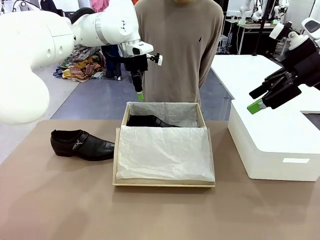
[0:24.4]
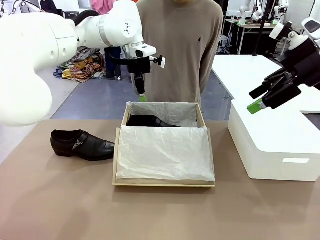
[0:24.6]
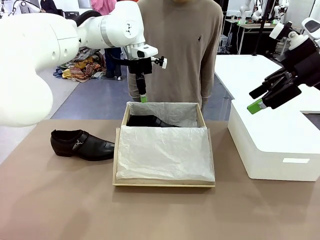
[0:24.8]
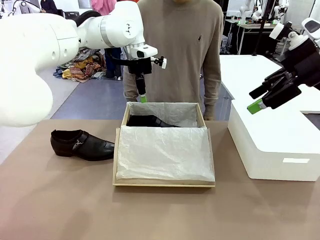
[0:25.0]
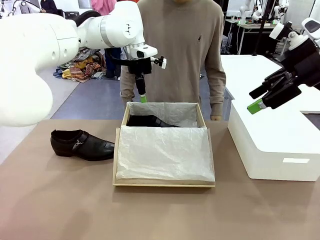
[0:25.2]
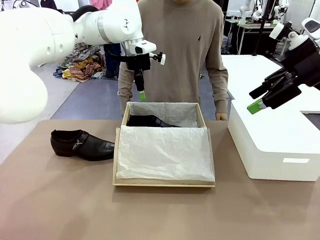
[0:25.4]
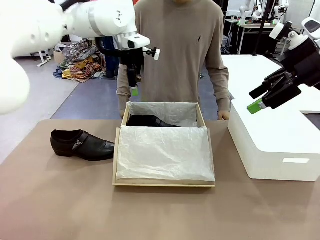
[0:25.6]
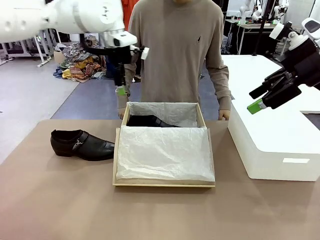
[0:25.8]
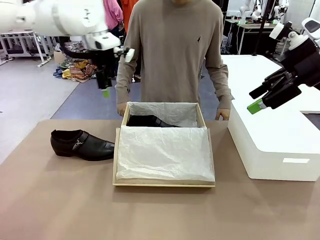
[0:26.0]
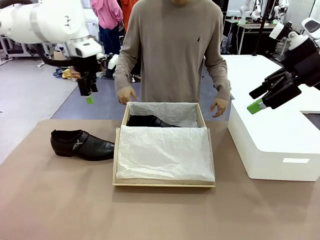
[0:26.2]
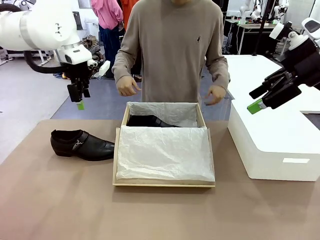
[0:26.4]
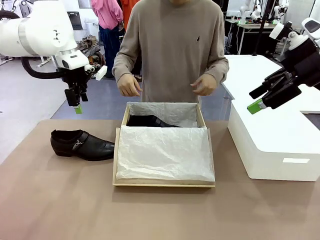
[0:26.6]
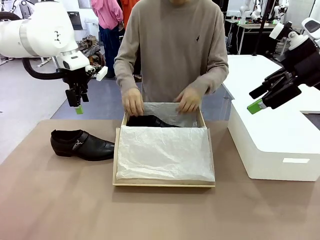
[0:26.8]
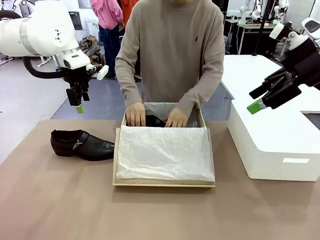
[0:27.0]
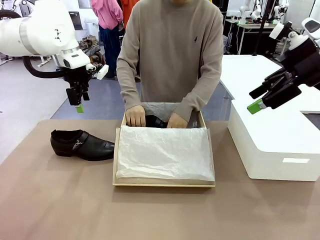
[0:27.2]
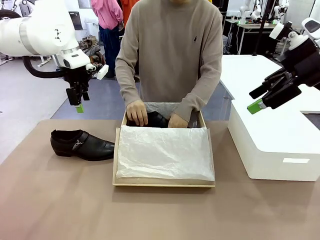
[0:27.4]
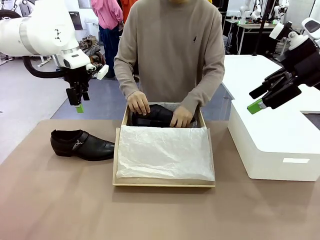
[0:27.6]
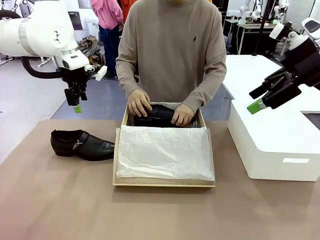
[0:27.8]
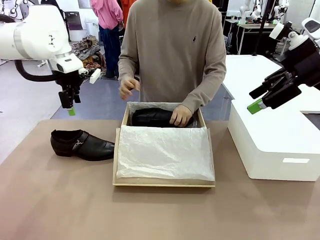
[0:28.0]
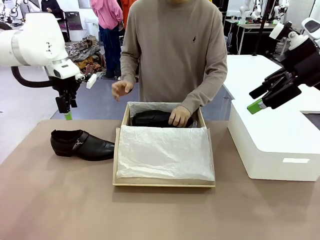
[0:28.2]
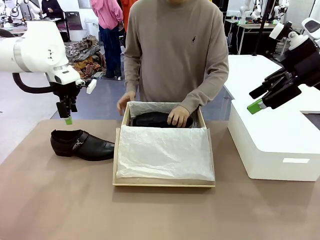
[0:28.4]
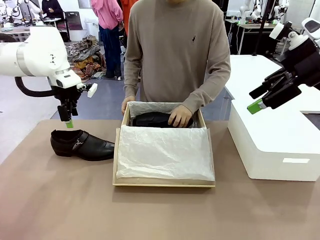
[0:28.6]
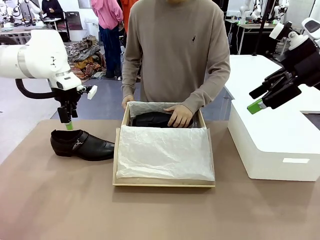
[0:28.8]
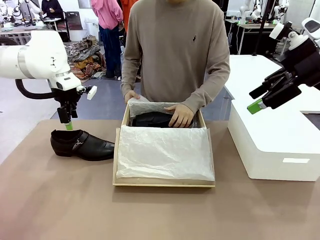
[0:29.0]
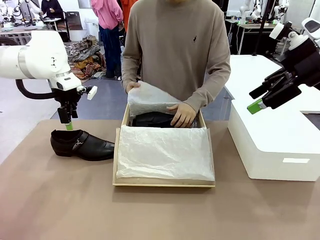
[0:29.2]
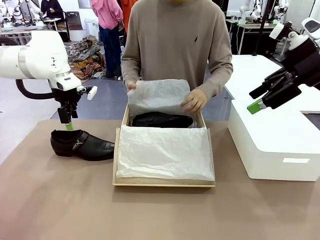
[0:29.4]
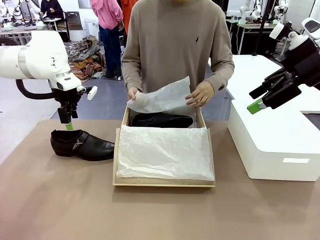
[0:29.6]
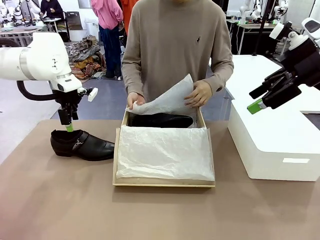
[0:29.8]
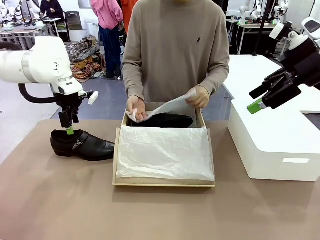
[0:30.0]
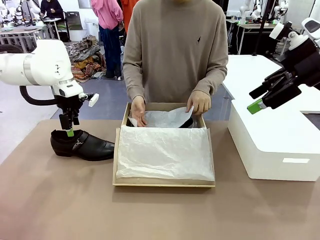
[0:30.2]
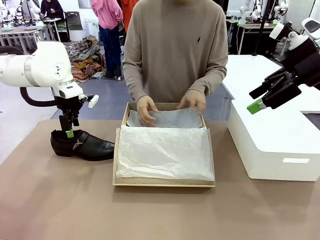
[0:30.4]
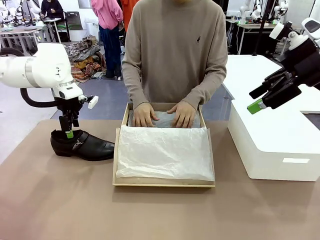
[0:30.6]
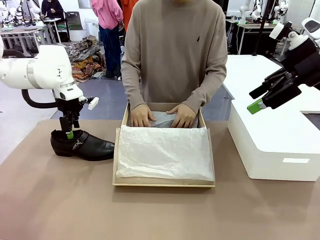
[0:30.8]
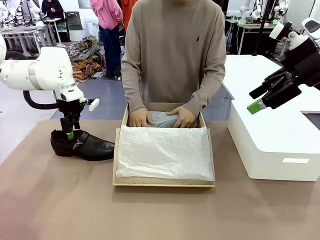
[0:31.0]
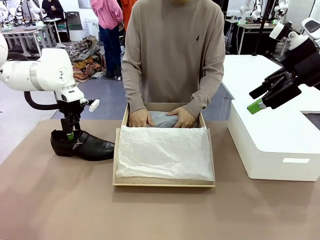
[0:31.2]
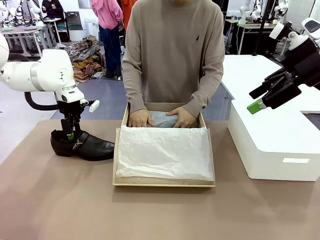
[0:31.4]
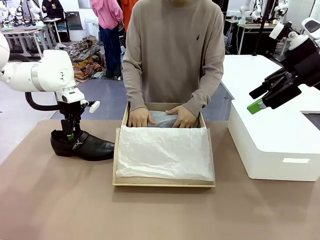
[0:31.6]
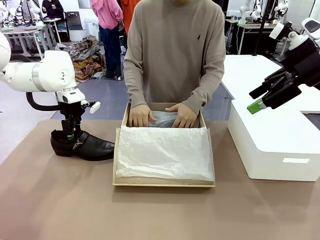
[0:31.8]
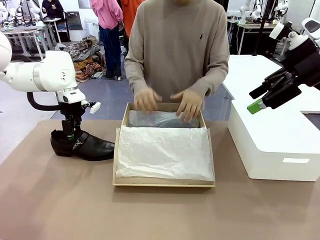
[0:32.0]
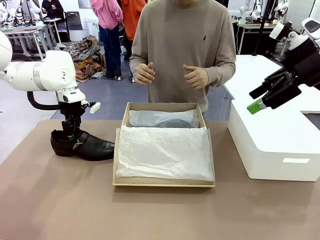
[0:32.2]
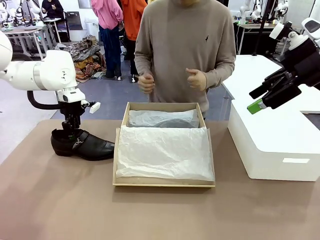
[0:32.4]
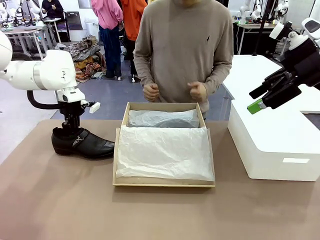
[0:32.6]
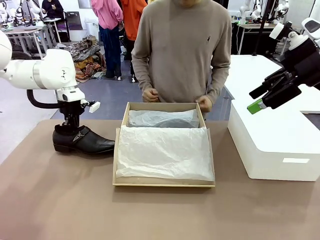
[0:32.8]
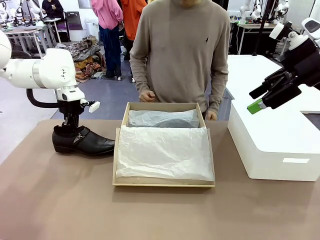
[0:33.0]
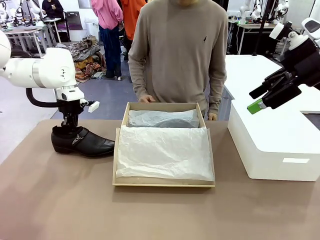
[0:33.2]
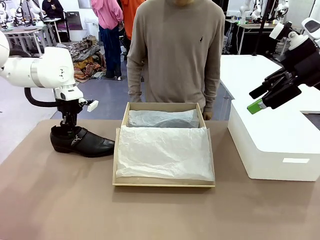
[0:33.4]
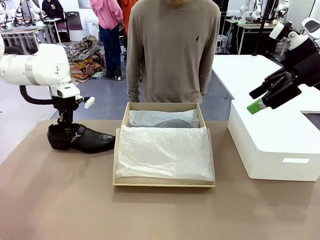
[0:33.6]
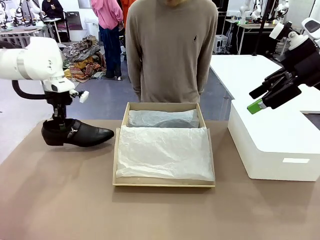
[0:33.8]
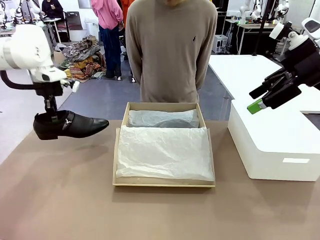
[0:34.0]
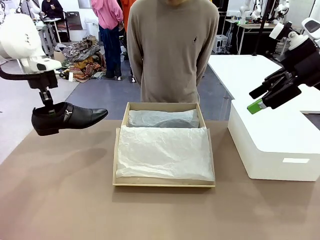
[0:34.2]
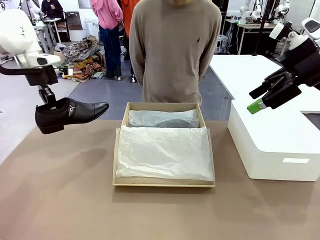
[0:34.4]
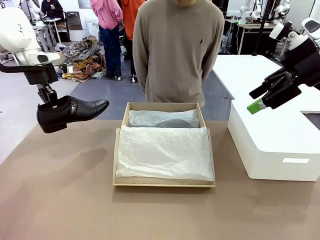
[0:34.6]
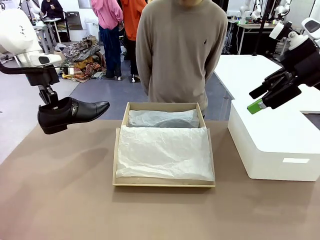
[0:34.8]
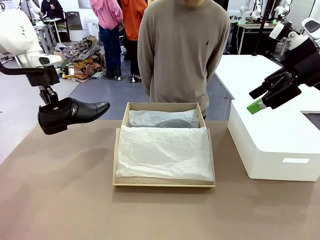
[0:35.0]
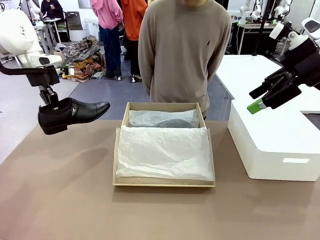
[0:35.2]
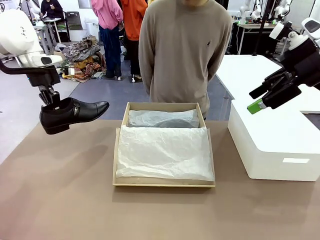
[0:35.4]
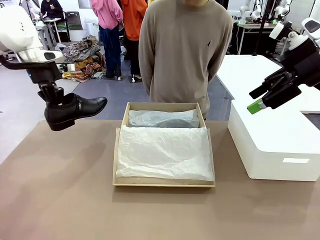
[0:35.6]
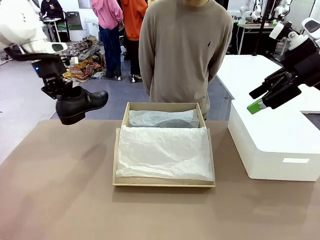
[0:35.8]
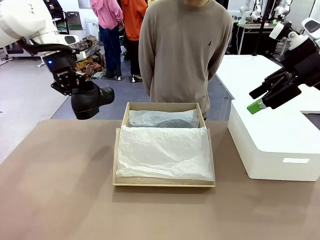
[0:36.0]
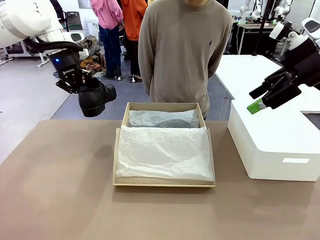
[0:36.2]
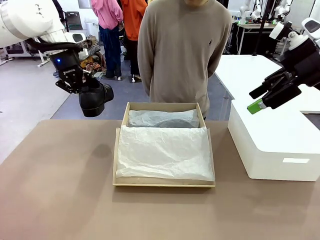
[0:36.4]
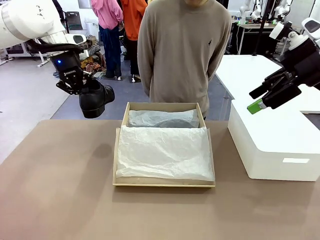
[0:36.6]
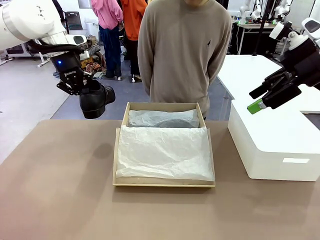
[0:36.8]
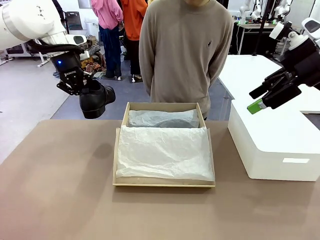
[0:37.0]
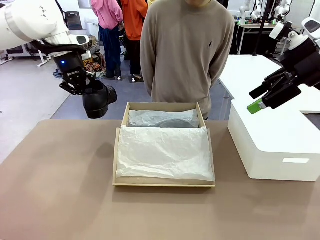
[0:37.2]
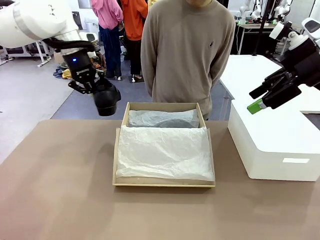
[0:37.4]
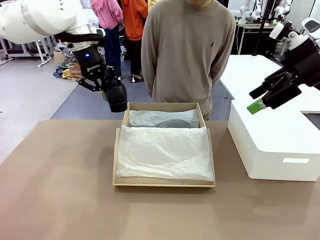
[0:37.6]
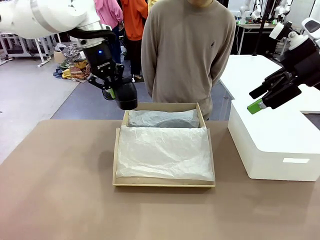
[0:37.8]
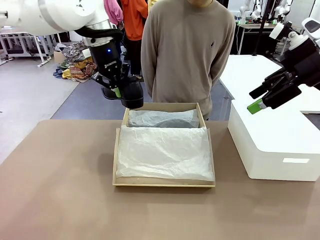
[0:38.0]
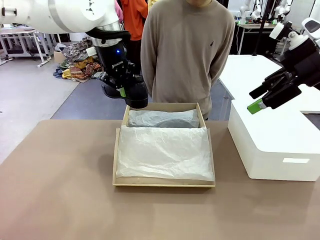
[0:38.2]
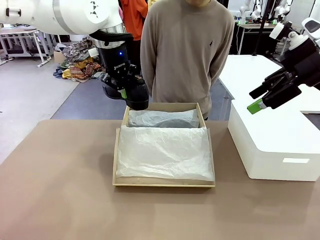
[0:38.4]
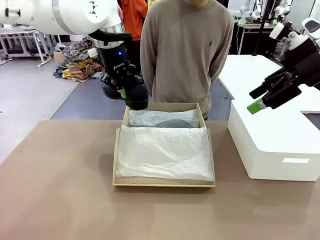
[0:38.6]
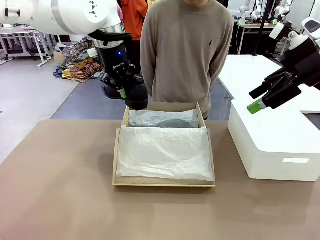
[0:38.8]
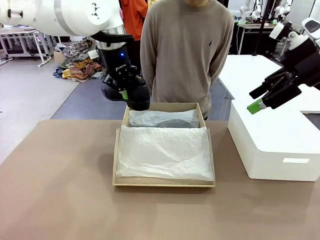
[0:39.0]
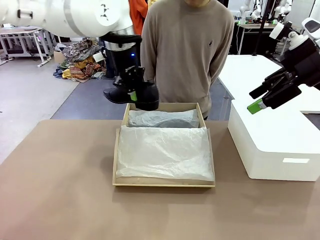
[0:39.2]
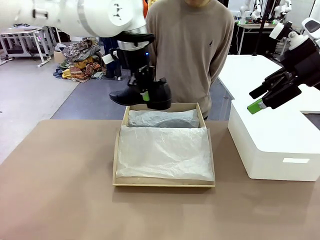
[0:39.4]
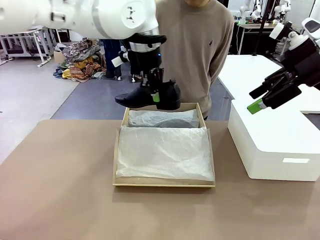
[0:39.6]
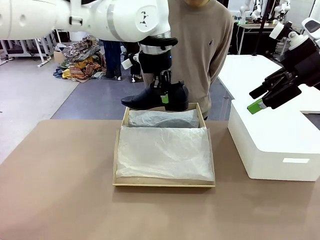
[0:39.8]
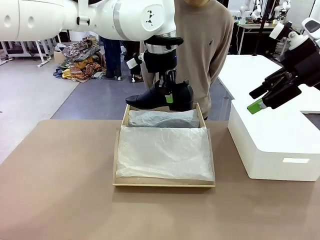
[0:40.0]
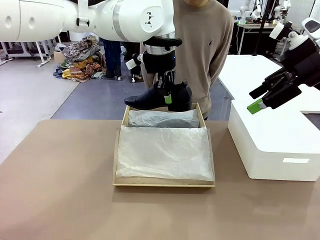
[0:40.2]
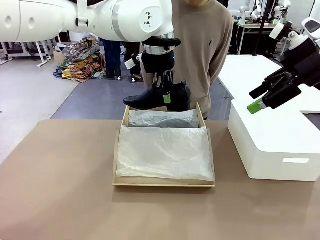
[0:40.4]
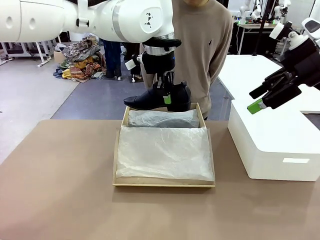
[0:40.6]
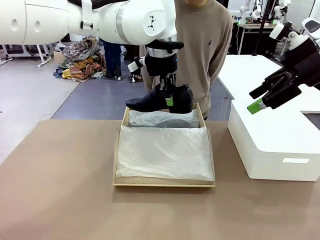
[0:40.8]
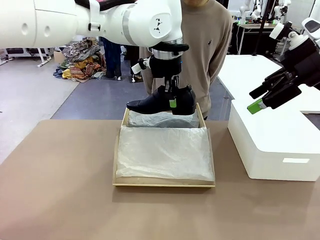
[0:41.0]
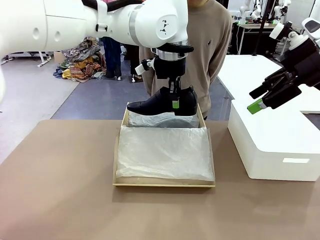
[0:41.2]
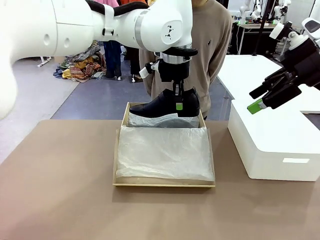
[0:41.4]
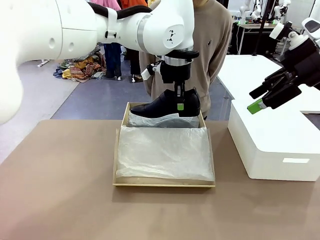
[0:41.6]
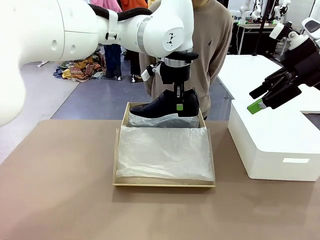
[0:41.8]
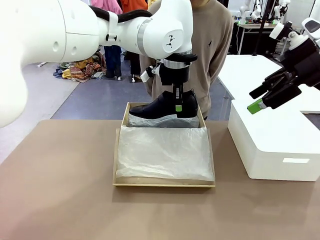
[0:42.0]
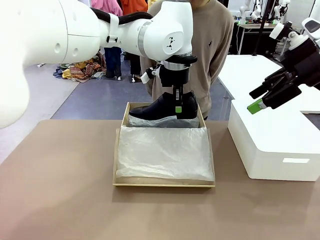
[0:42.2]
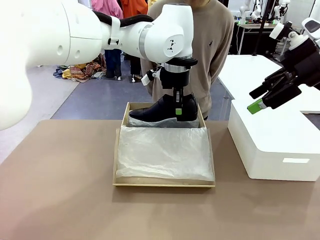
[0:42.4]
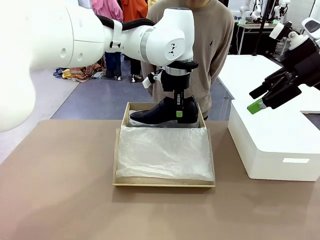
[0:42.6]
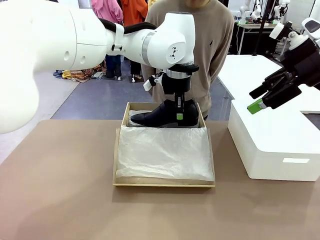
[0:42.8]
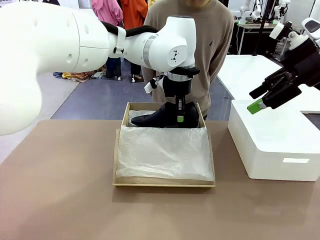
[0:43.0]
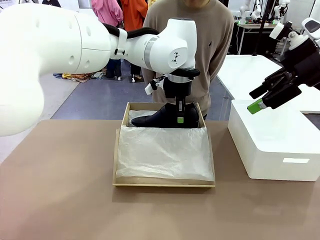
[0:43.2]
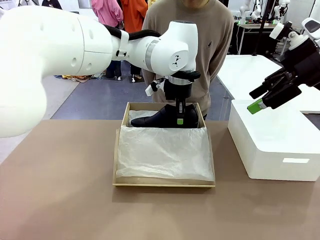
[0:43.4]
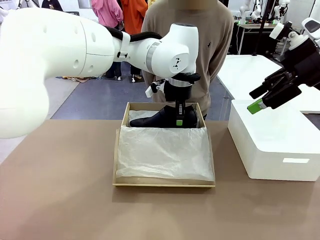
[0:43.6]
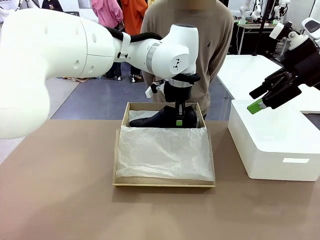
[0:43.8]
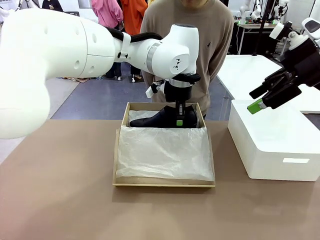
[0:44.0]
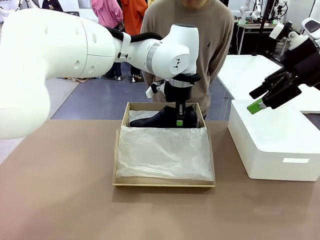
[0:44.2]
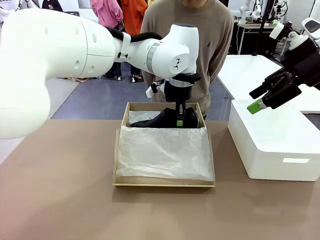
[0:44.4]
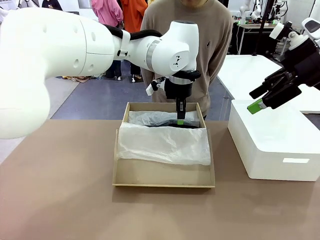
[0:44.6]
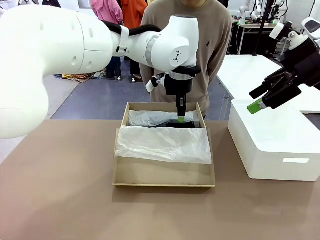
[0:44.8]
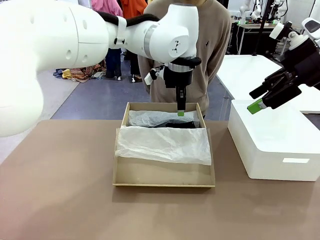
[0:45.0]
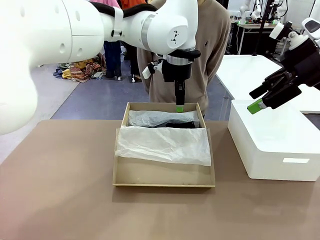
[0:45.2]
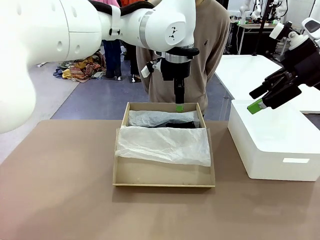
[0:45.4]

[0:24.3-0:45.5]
Task: Pack the shoes into the box.
Robot: Place the other shoe of the Shoes into the Shoes Box.
Person: Pack a shoe of Shoes inside the Shoes Box with Shoes Wrapping Paper.
